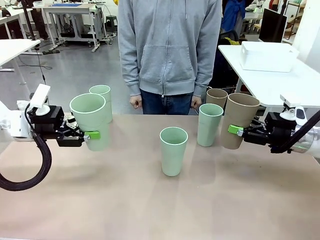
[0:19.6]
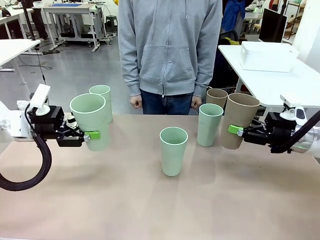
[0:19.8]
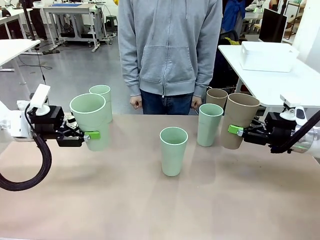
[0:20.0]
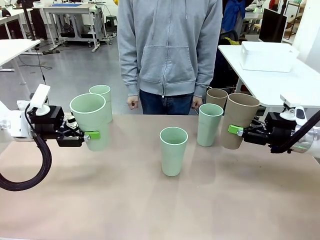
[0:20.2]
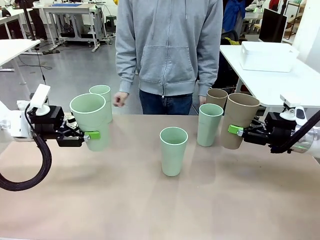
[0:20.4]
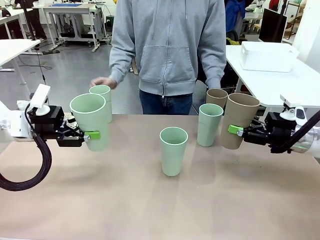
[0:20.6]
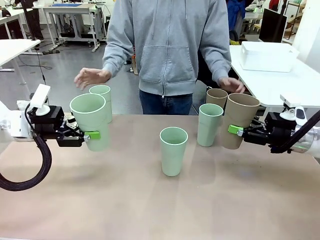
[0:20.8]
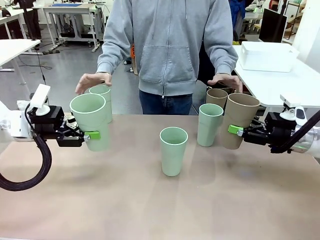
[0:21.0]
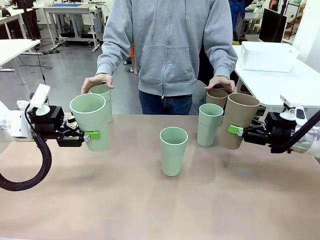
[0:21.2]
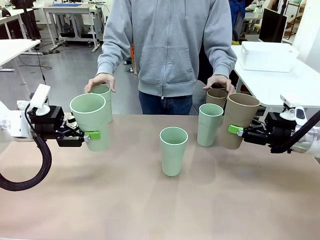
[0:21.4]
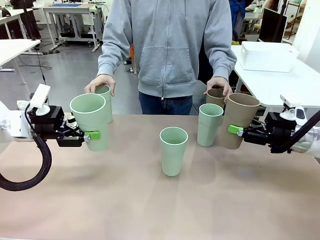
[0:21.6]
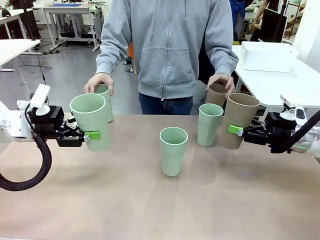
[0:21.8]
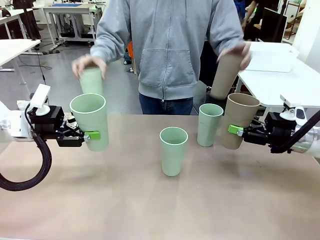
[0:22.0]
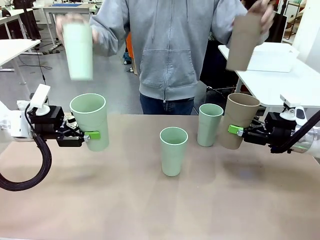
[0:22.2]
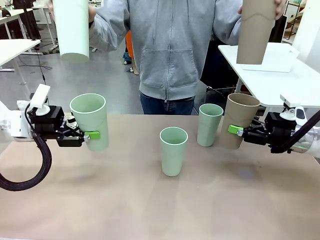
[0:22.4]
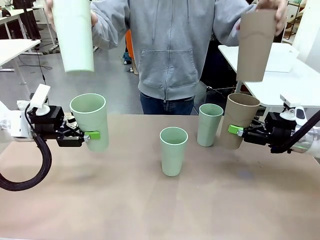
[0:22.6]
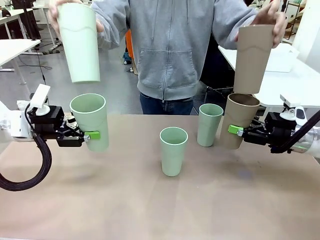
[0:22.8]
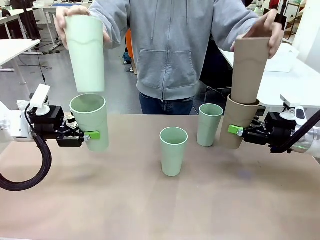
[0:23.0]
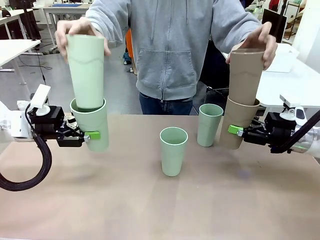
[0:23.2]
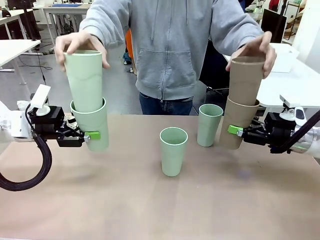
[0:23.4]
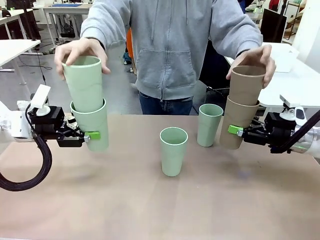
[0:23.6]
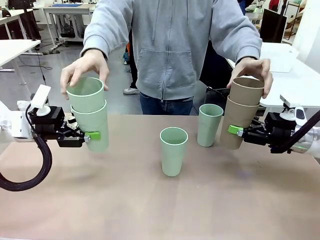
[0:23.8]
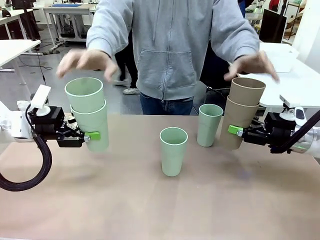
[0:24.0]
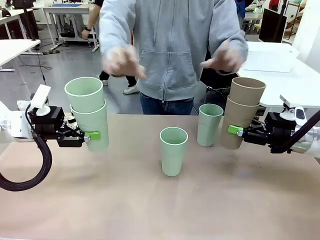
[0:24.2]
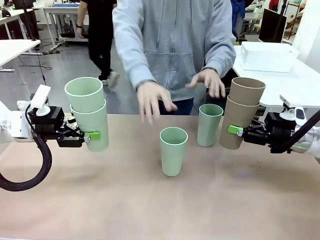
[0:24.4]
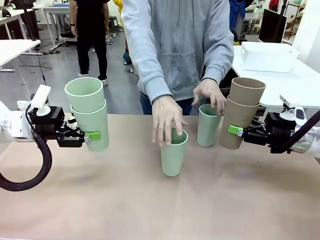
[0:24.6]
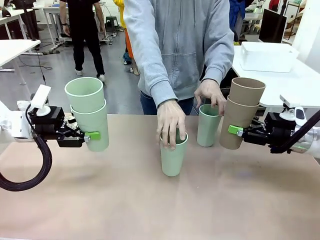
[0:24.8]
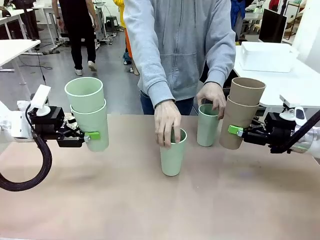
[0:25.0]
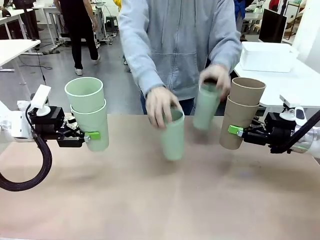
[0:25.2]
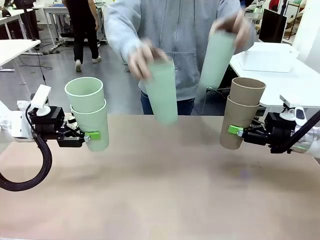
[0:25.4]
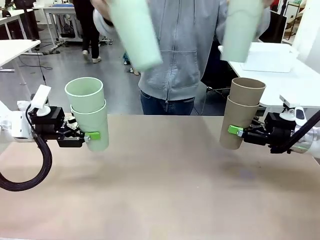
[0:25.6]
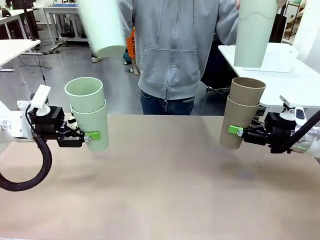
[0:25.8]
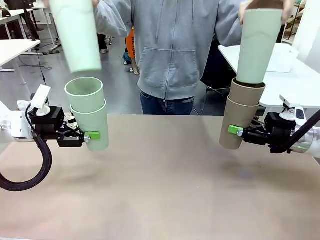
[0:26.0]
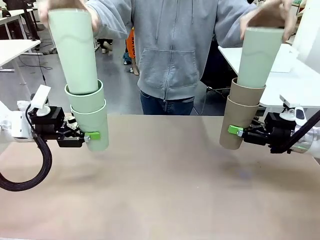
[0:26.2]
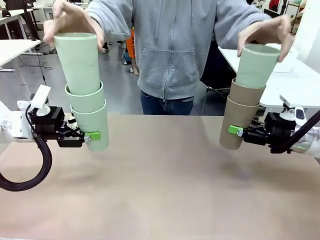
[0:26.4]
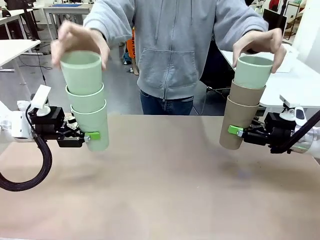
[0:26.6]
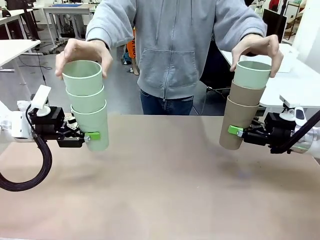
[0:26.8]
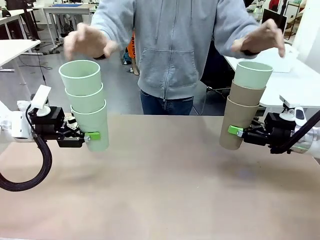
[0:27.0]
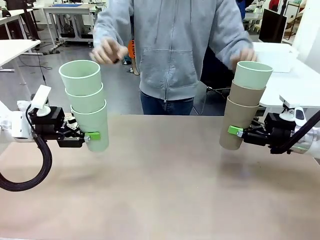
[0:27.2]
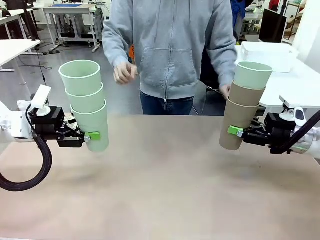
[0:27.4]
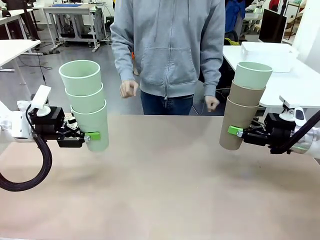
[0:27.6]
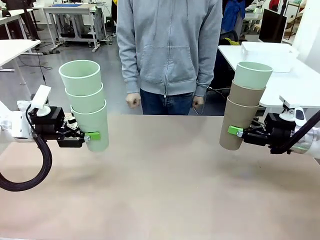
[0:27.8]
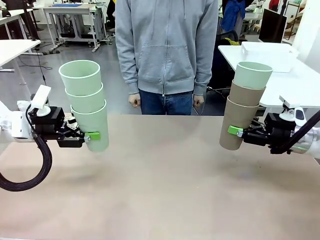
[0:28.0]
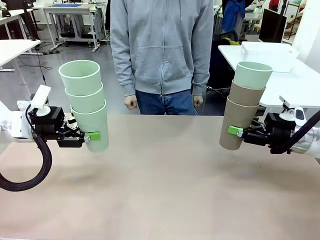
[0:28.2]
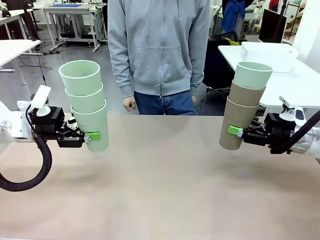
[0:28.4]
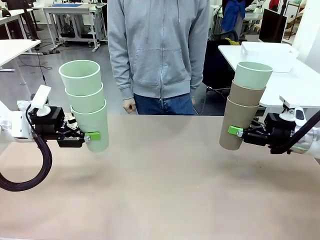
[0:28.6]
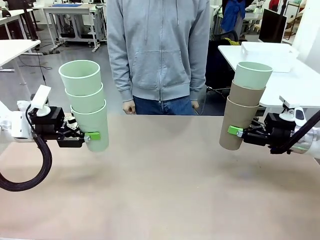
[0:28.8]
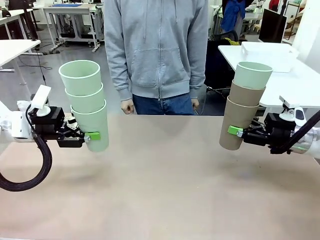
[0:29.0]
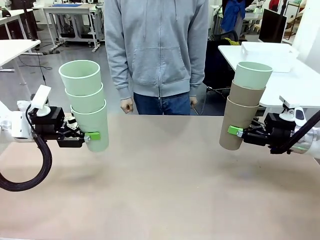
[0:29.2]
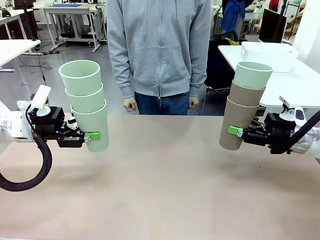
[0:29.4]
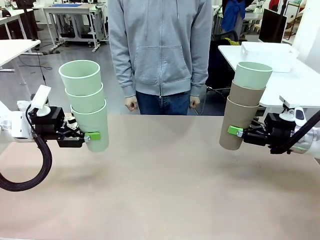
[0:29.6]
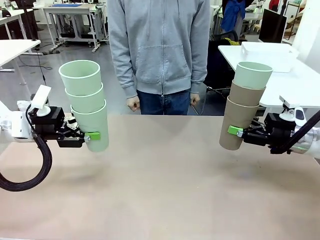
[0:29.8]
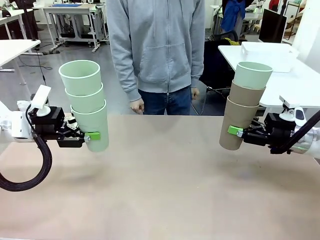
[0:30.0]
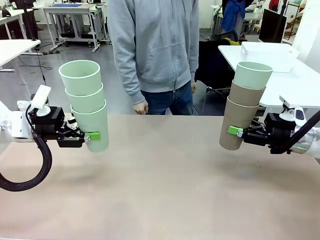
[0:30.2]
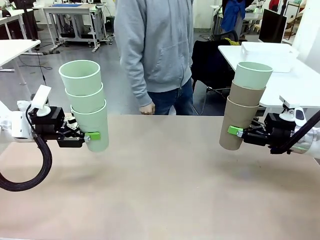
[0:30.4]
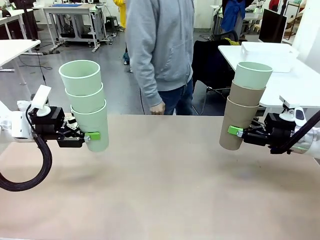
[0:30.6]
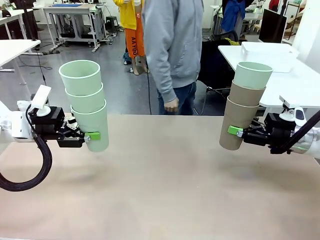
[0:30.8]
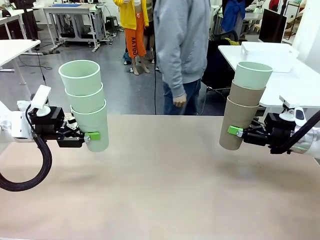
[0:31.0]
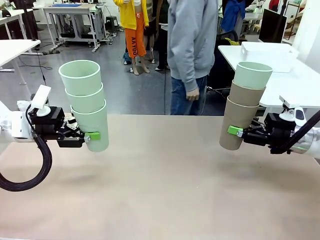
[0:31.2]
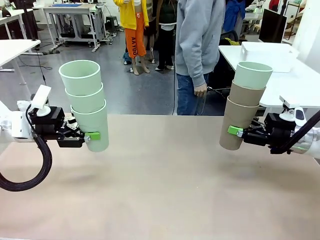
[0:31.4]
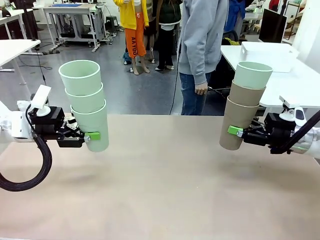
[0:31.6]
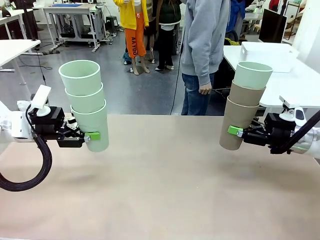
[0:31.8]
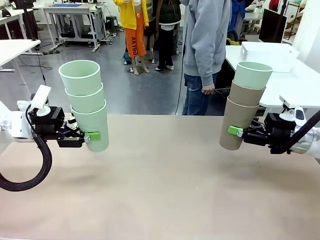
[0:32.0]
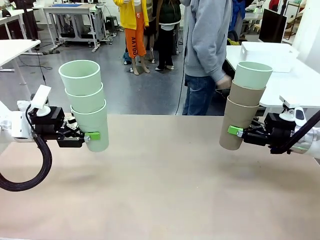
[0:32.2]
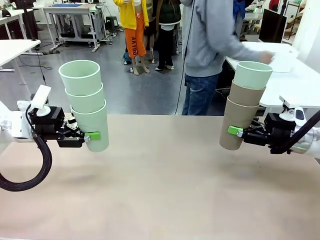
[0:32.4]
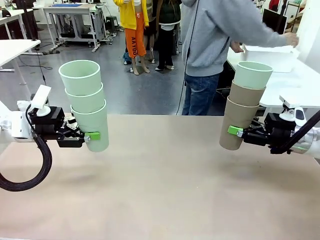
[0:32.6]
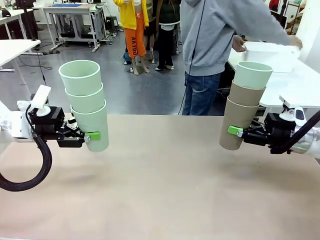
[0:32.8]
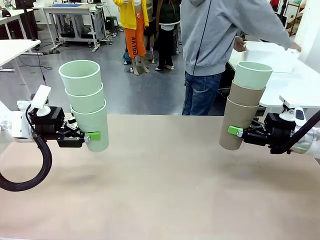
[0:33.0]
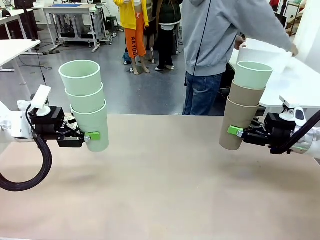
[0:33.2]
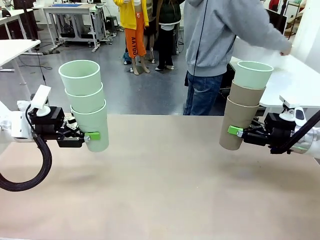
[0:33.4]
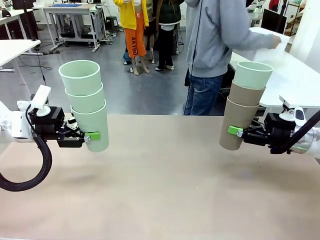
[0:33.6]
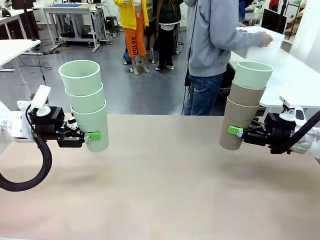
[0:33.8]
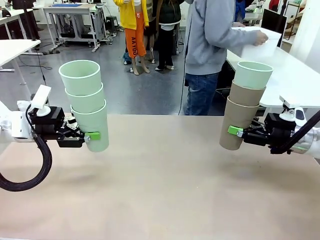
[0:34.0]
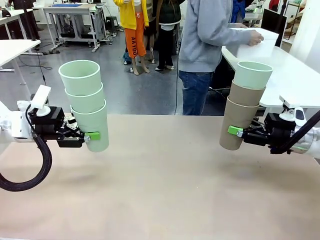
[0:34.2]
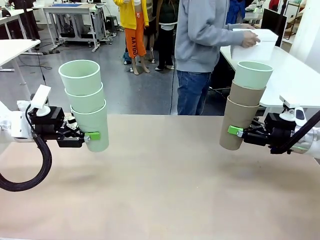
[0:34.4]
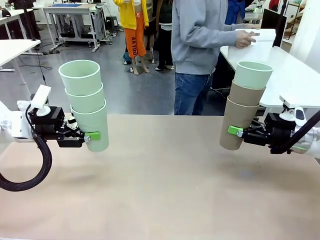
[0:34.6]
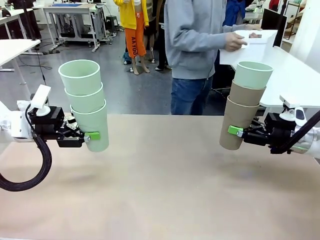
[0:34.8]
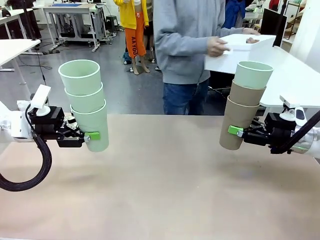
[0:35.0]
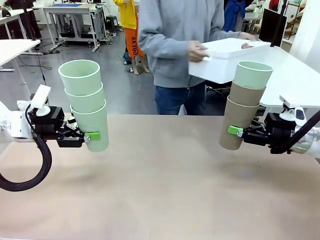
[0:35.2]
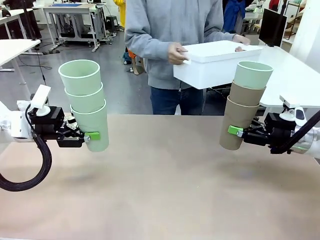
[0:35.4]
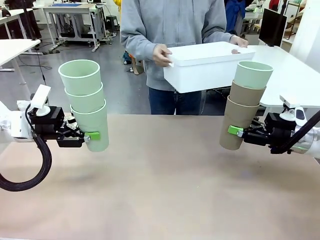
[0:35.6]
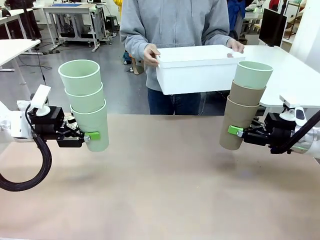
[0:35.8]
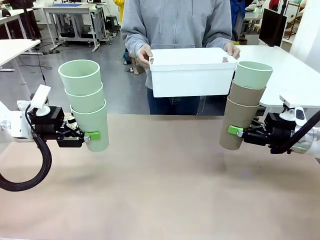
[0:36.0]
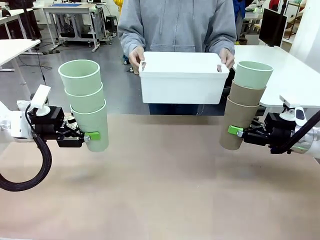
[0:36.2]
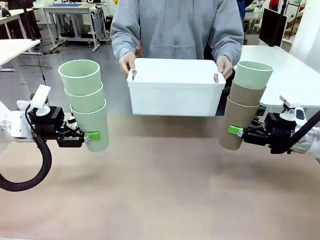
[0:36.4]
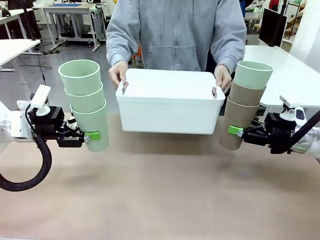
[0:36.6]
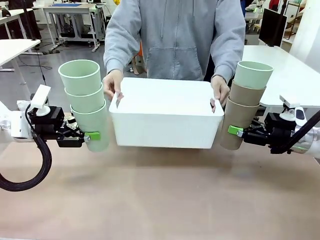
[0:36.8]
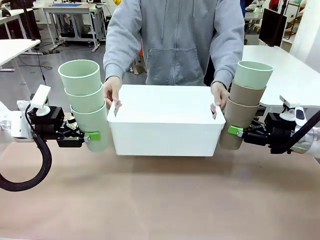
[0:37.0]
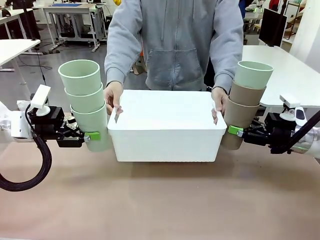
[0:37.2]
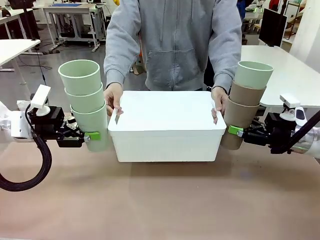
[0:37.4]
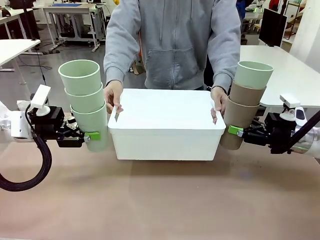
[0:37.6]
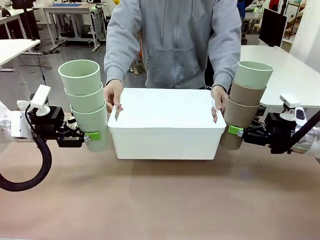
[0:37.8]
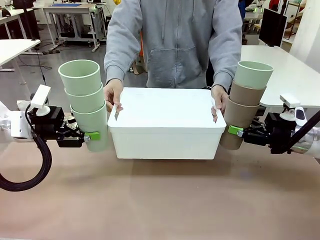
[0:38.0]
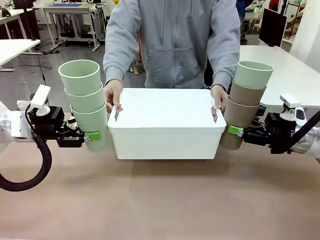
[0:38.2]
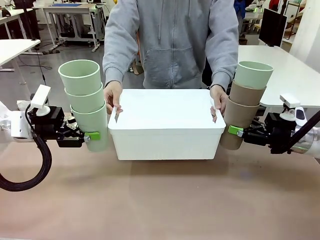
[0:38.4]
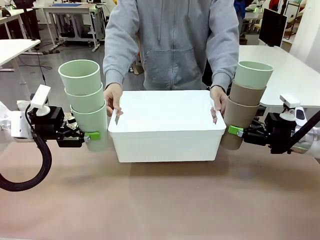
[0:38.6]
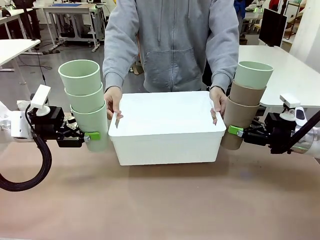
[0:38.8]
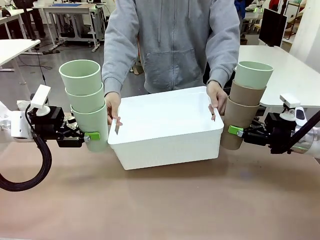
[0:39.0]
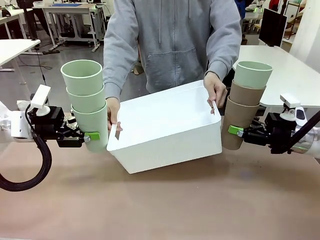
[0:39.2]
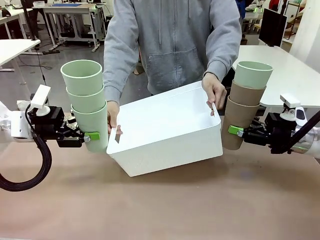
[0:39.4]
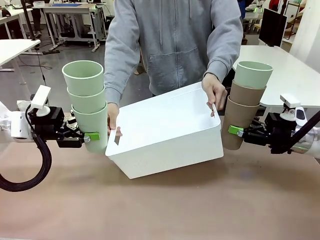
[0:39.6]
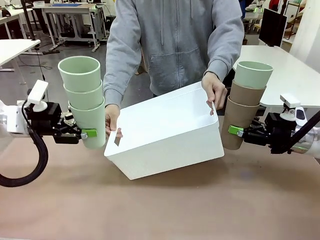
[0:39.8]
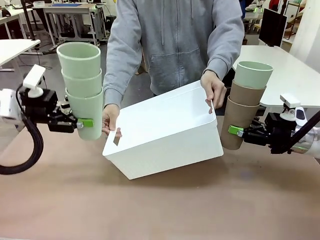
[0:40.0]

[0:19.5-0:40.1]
Task: Stack the cups and store them in the basket.
Robot: Place the stack of Reusable plastic cups into the Pantry Basket.
Person: Pick up the basket from the Human Table, bring it to the front of the robot, and present it.
